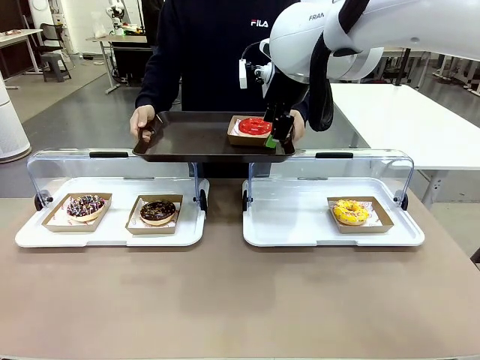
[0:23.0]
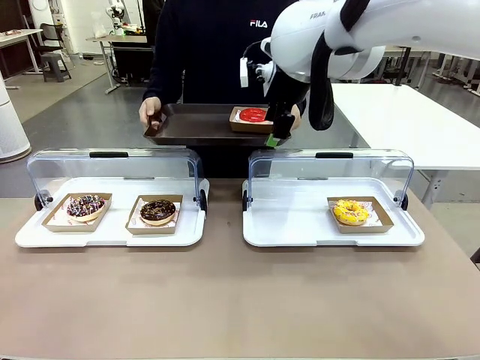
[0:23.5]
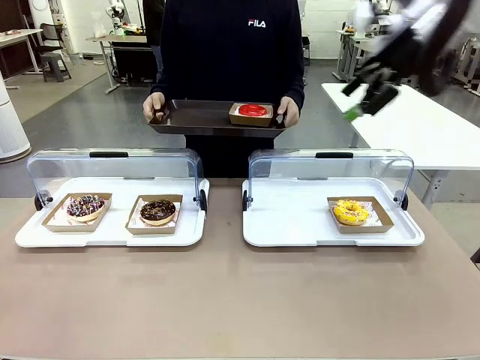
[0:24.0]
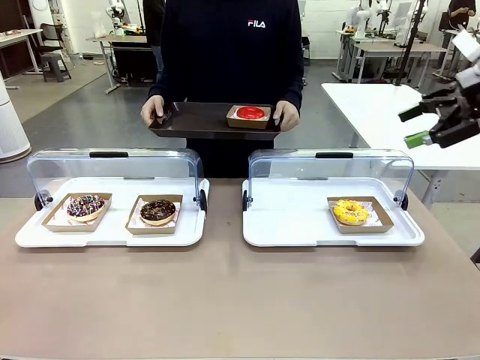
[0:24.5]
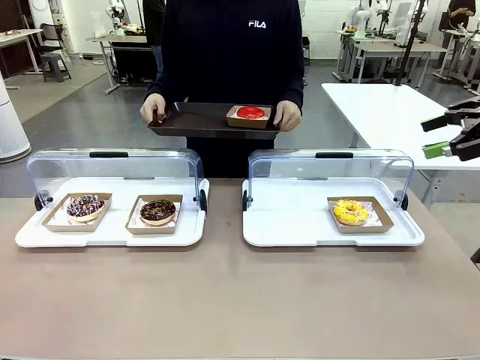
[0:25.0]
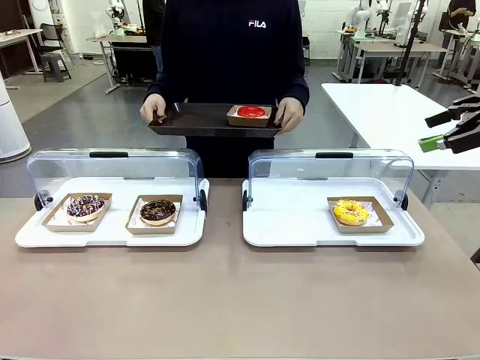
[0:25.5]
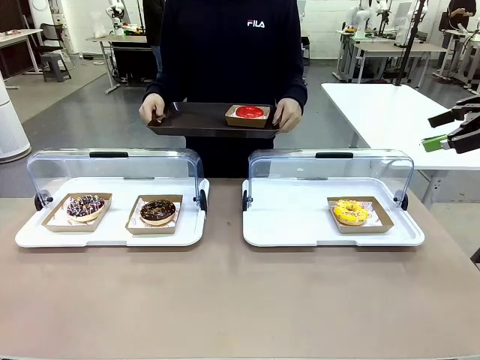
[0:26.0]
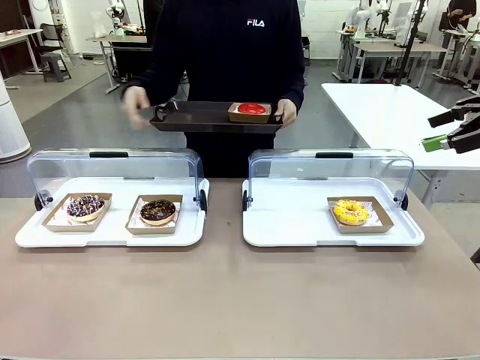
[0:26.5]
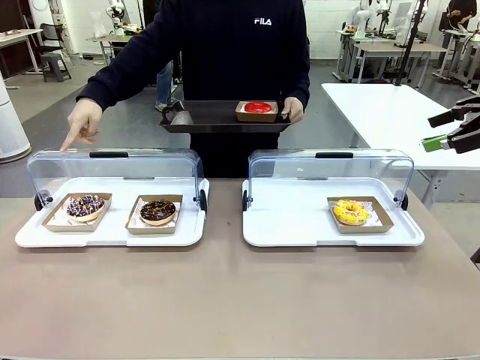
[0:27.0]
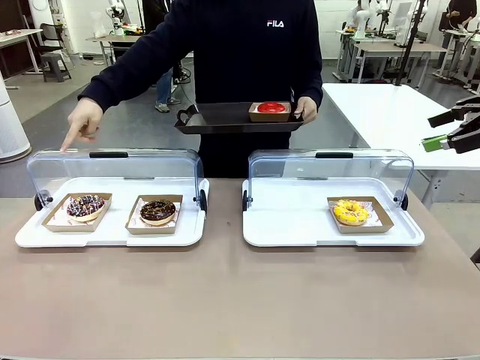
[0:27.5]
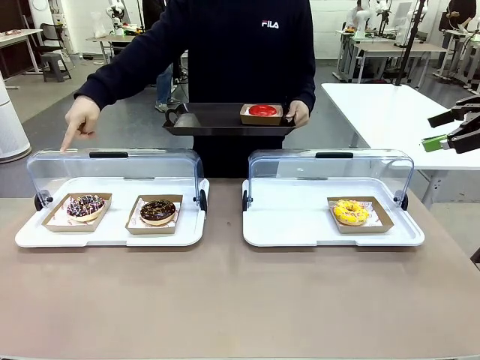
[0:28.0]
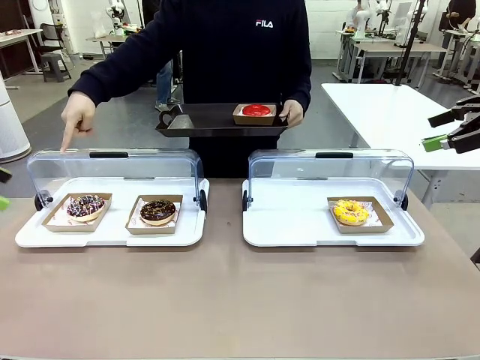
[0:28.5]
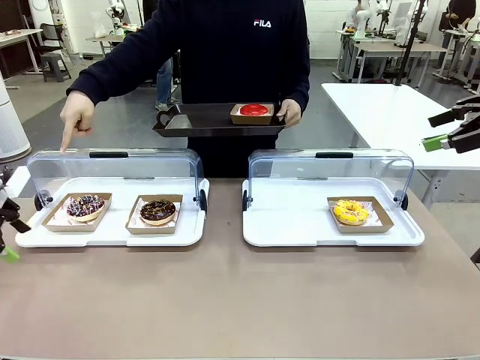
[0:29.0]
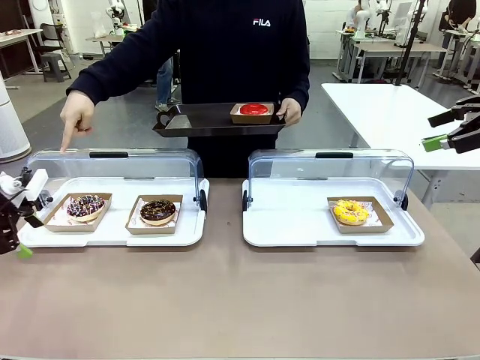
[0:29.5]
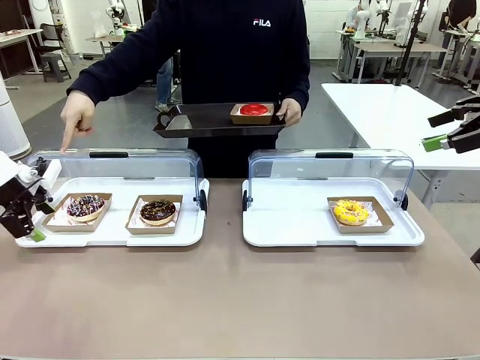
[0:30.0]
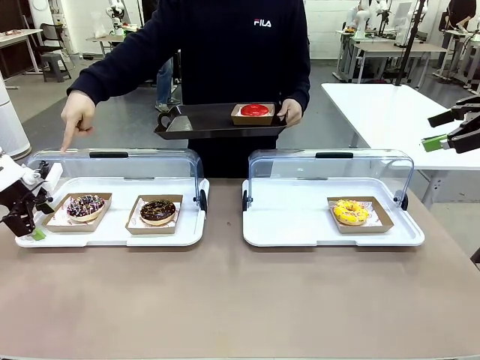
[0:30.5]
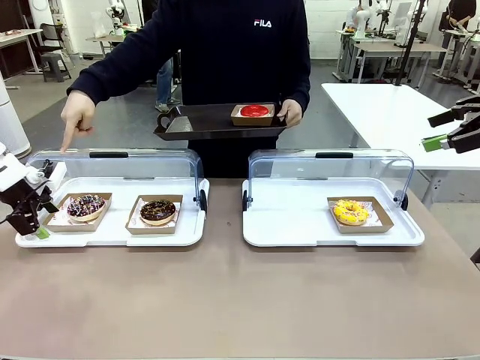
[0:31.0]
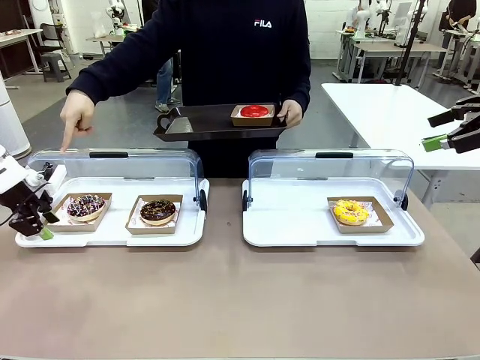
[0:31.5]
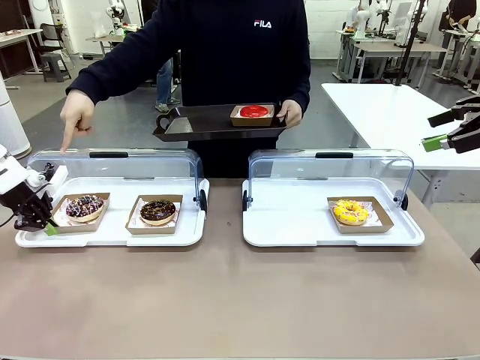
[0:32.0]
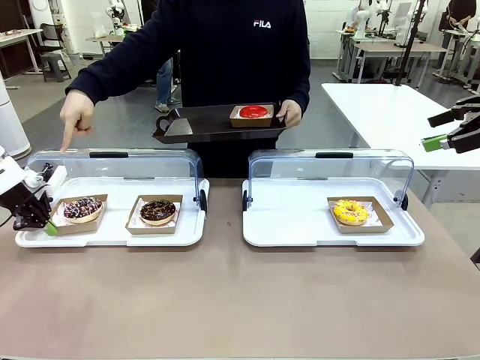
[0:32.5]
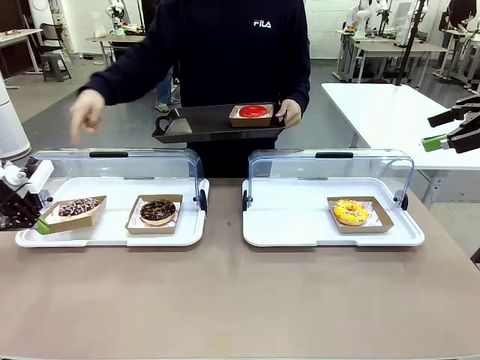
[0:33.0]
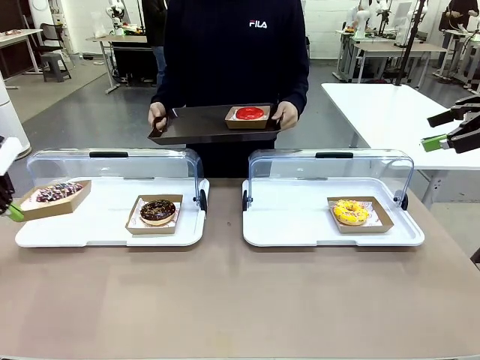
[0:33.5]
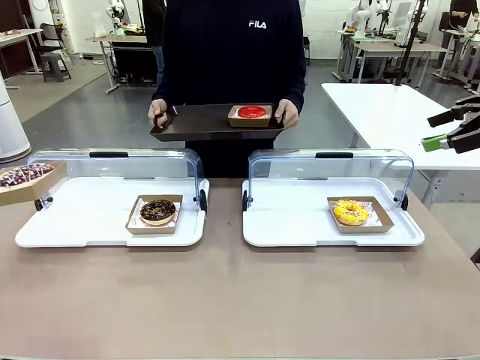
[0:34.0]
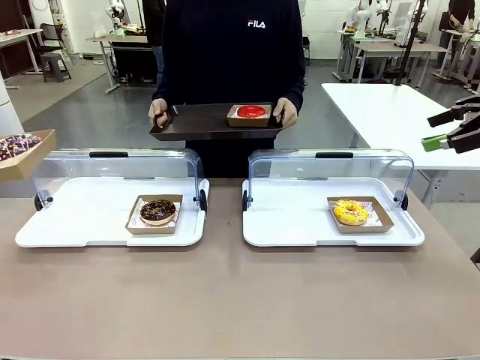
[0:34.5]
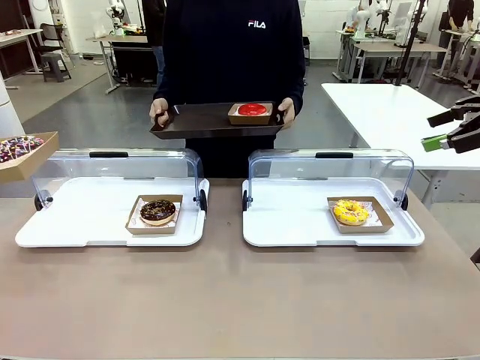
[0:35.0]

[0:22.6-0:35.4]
Task: Provide the desired donut to the person.
Robot: Pick up and lift the Paper togo box containing the Donut pointed at by the person.
Person: Lift the tray onto the Roll-Top Bakery Case.

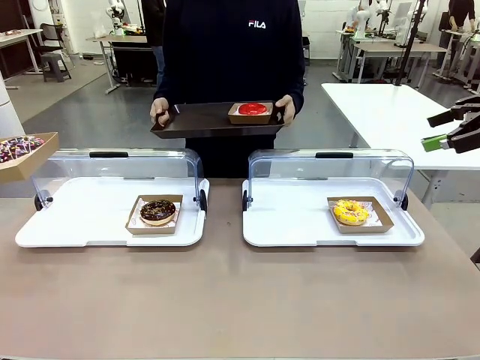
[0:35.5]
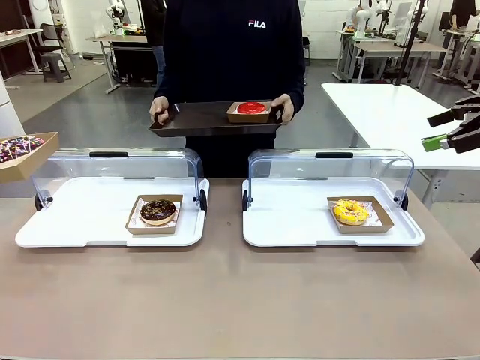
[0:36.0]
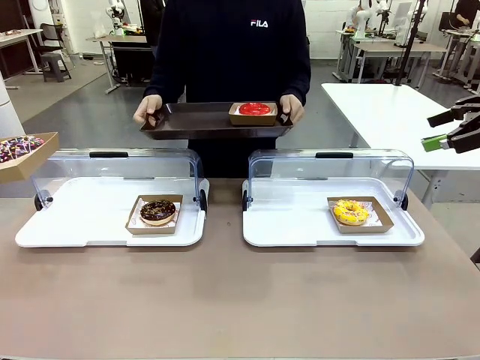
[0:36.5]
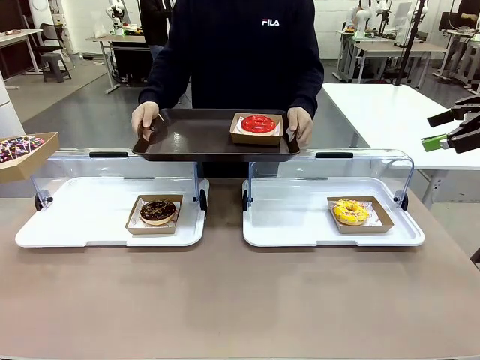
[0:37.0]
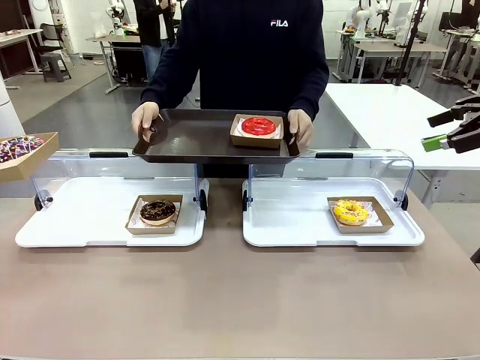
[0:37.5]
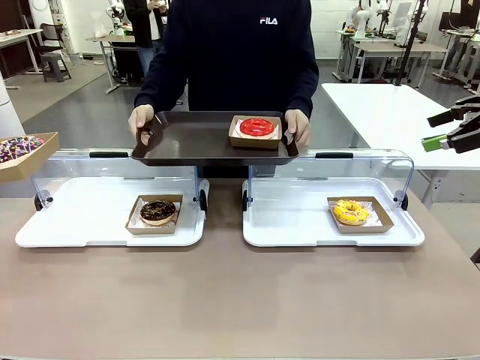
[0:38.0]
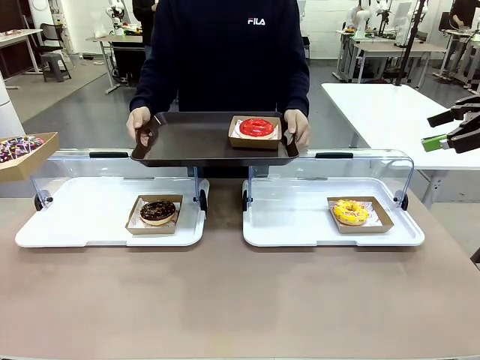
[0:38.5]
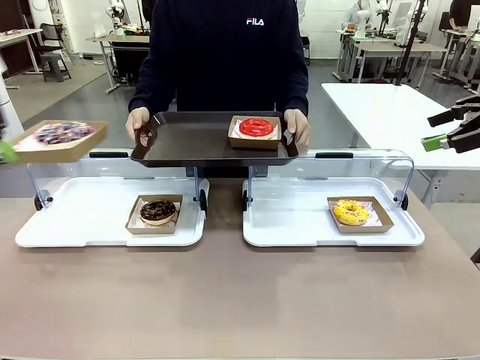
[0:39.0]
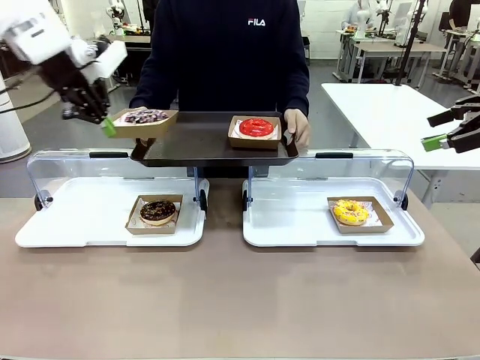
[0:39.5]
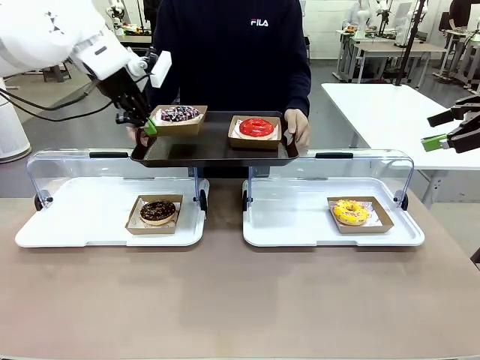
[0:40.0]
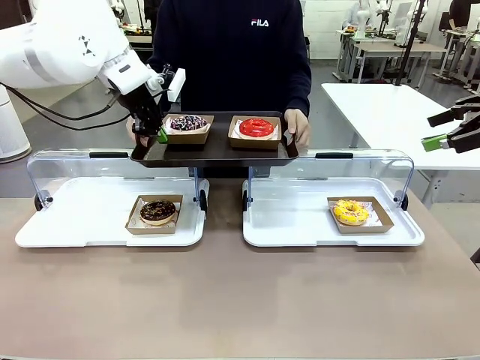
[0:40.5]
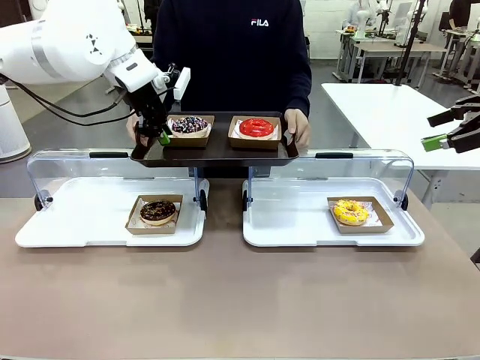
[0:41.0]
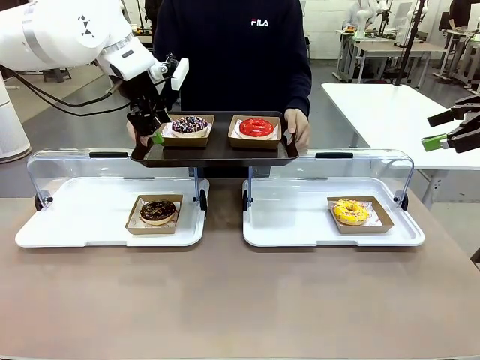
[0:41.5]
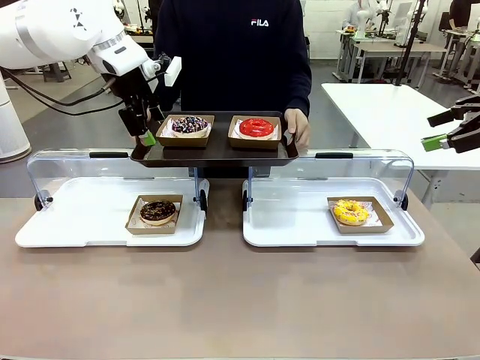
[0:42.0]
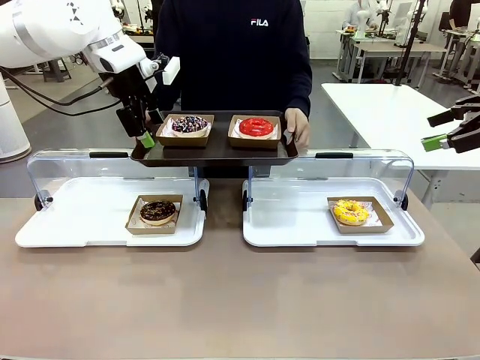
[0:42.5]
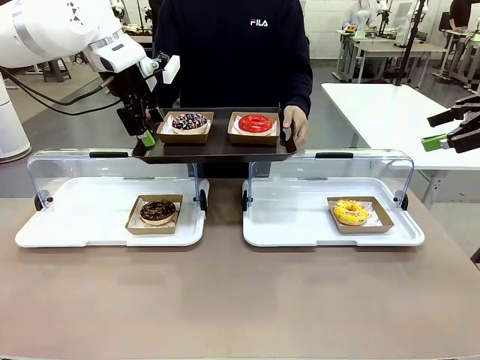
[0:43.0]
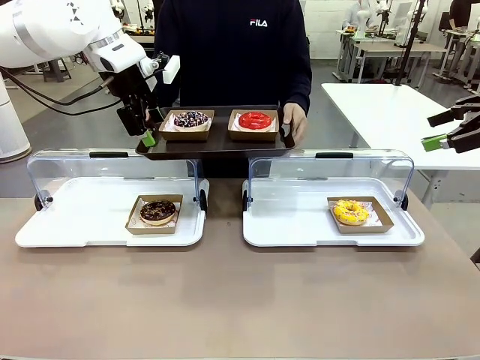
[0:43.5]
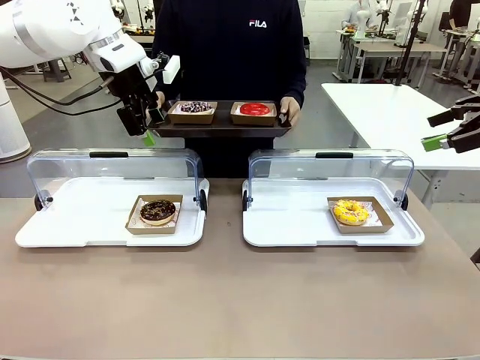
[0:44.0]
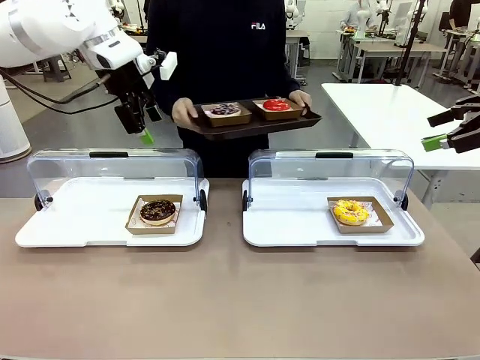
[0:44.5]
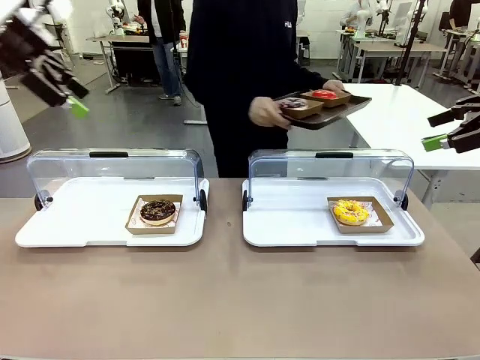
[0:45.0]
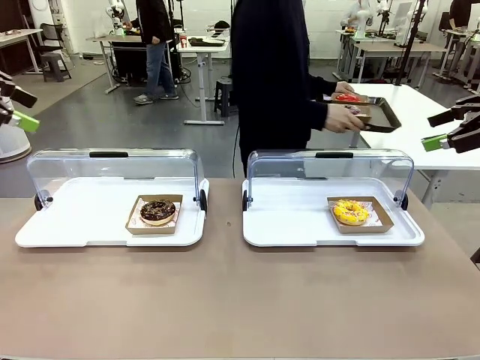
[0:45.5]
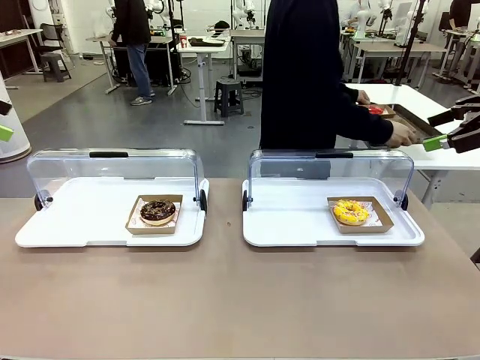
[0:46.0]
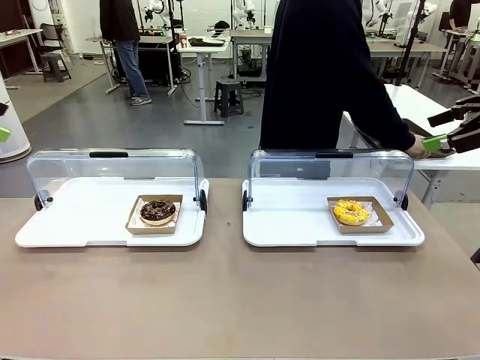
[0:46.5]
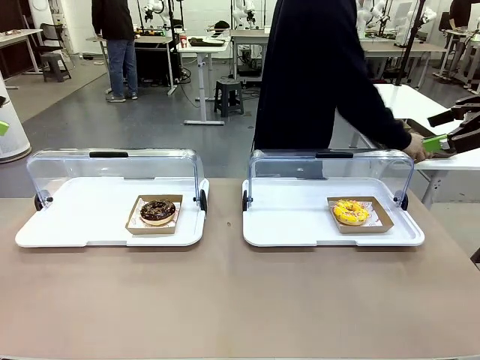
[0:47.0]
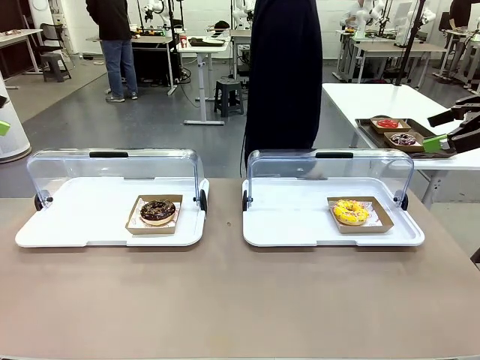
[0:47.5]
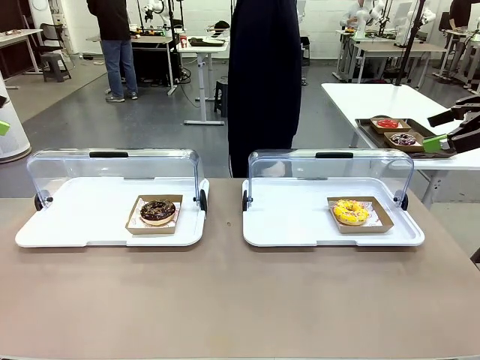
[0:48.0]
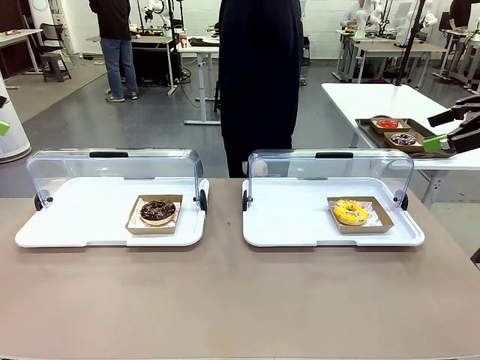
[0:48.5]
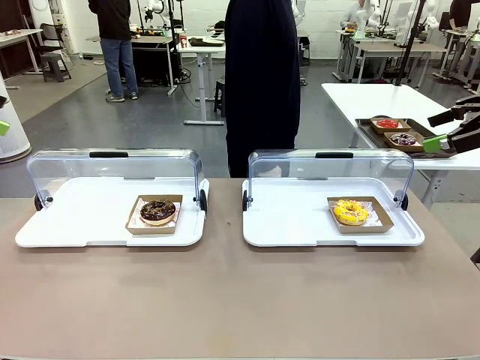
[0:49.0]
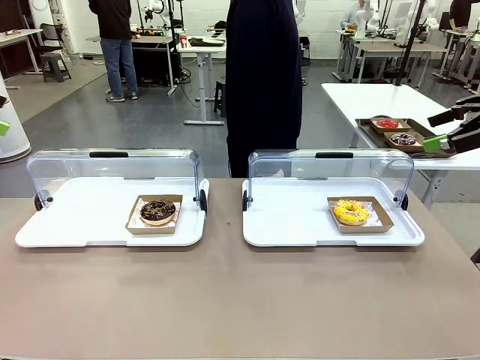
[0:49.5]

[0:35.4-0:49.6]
Robot: Place the picked Paper togo box onto the Handle tray extended by the person.
Person: Place the tray in the middle of the human table.
